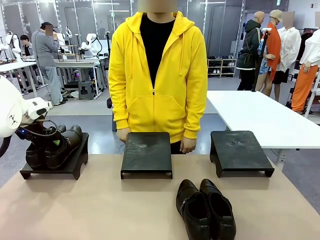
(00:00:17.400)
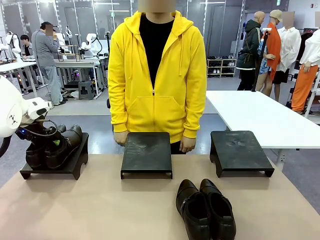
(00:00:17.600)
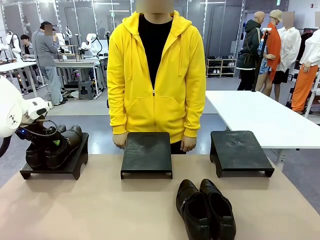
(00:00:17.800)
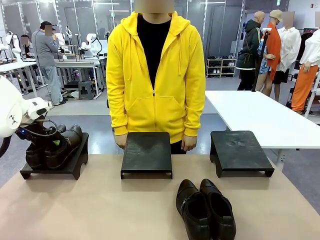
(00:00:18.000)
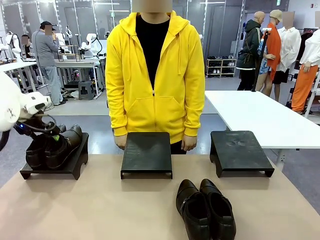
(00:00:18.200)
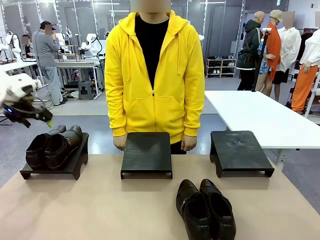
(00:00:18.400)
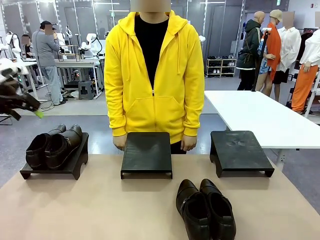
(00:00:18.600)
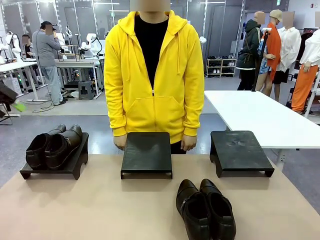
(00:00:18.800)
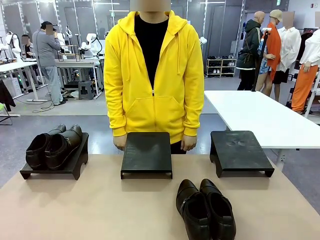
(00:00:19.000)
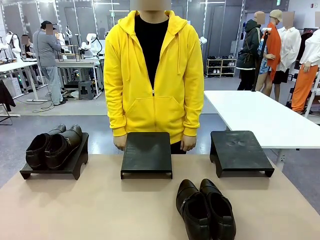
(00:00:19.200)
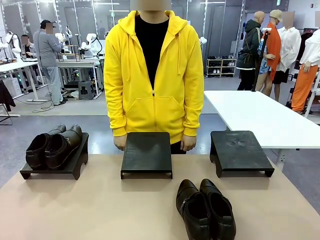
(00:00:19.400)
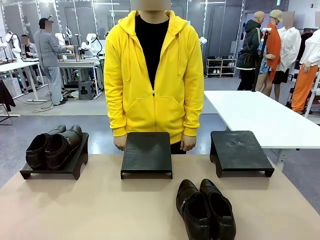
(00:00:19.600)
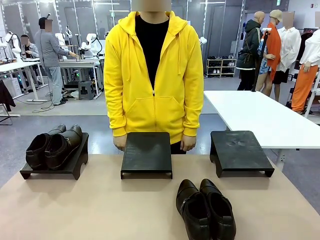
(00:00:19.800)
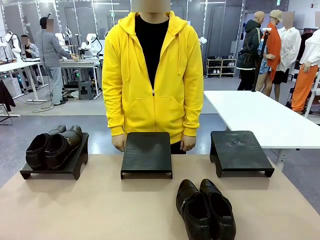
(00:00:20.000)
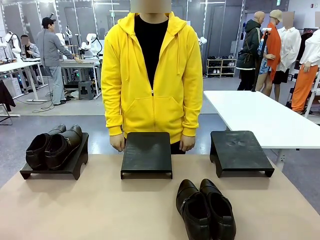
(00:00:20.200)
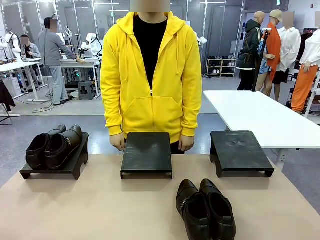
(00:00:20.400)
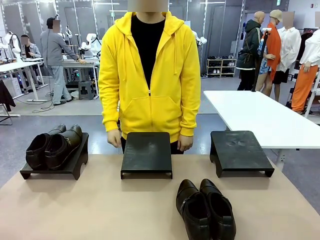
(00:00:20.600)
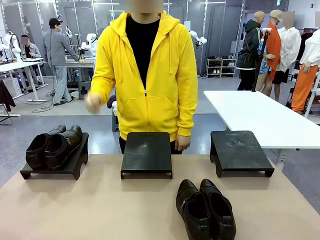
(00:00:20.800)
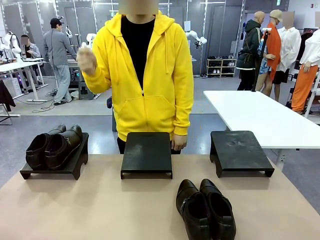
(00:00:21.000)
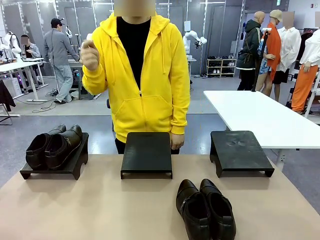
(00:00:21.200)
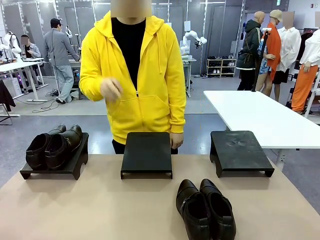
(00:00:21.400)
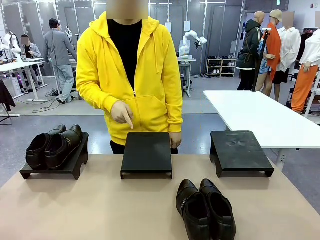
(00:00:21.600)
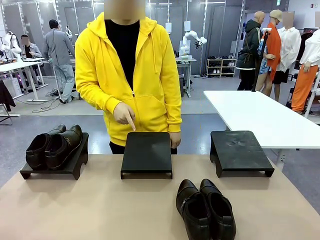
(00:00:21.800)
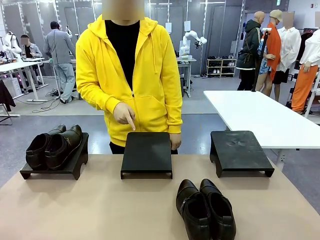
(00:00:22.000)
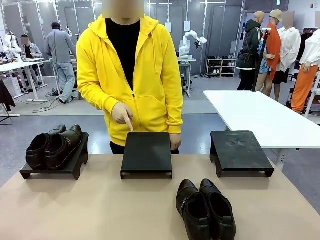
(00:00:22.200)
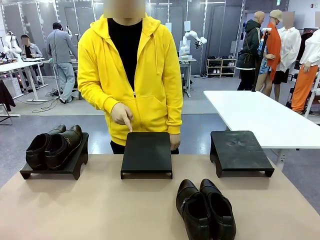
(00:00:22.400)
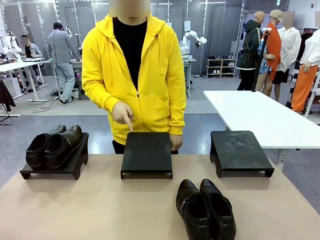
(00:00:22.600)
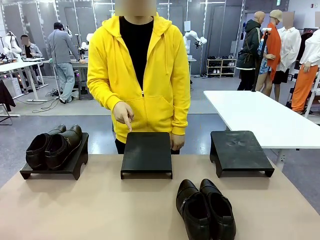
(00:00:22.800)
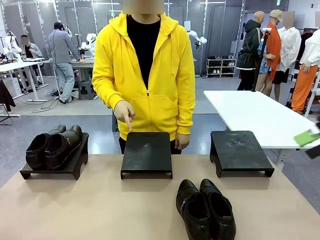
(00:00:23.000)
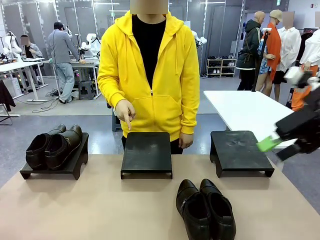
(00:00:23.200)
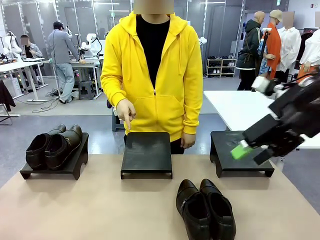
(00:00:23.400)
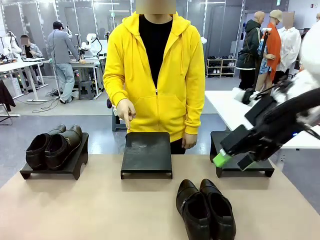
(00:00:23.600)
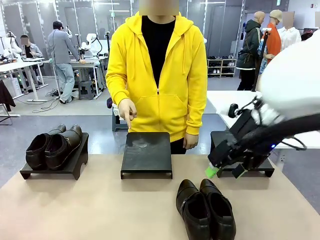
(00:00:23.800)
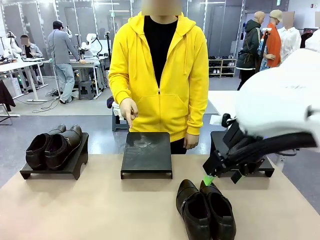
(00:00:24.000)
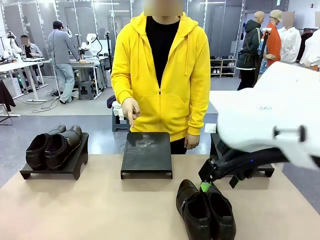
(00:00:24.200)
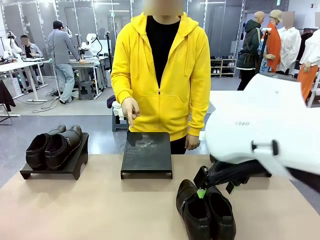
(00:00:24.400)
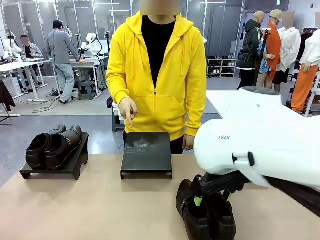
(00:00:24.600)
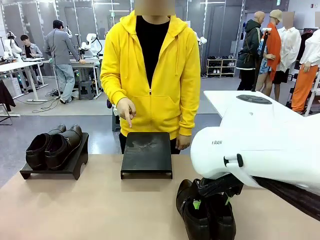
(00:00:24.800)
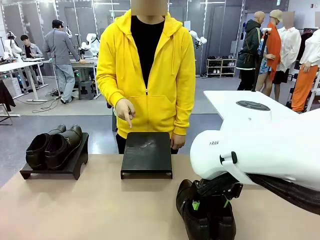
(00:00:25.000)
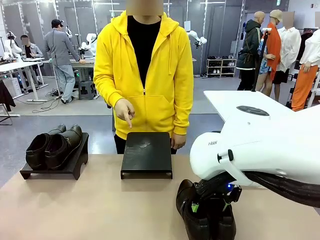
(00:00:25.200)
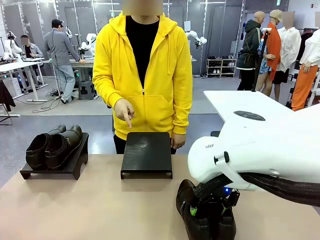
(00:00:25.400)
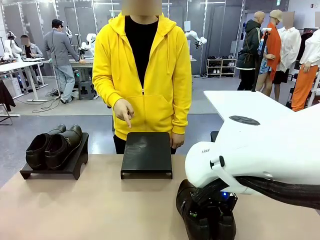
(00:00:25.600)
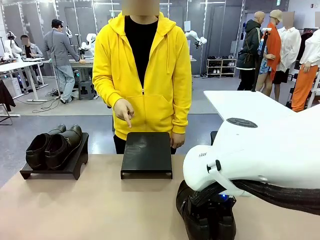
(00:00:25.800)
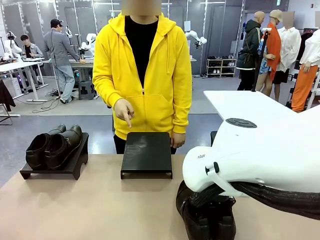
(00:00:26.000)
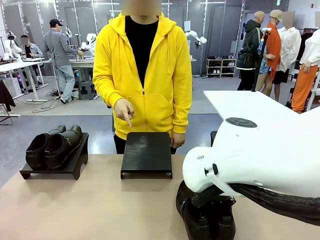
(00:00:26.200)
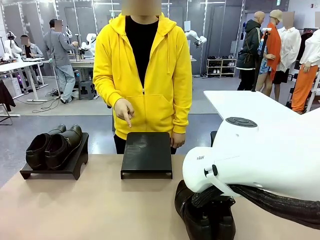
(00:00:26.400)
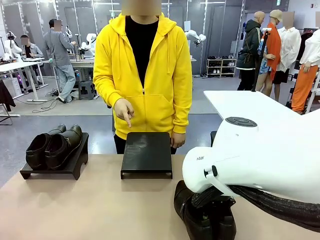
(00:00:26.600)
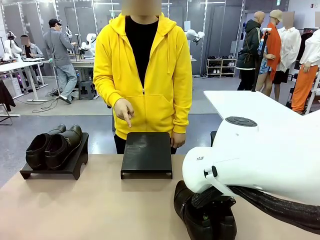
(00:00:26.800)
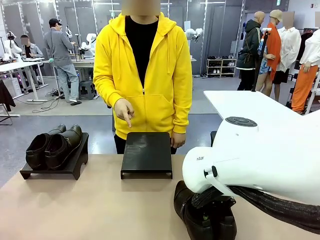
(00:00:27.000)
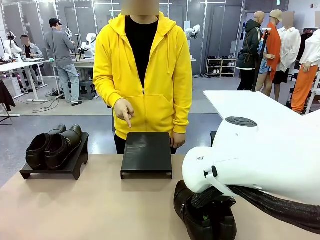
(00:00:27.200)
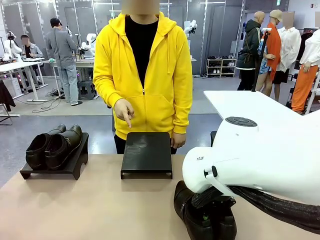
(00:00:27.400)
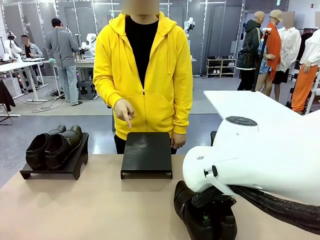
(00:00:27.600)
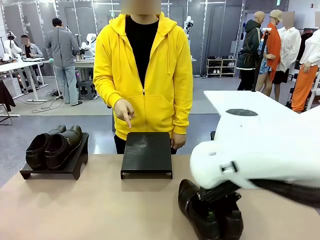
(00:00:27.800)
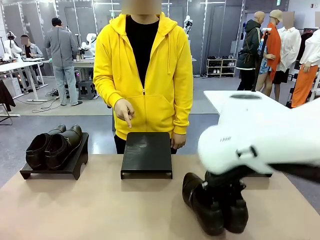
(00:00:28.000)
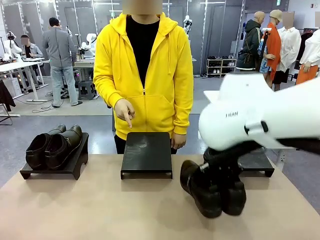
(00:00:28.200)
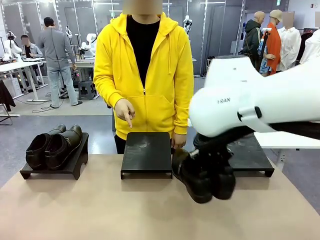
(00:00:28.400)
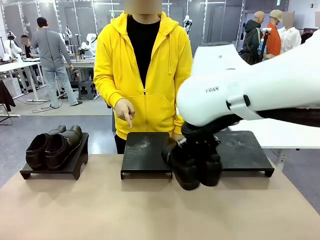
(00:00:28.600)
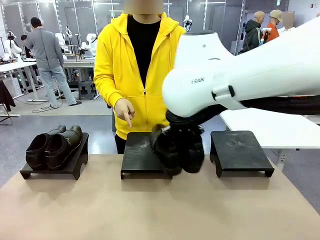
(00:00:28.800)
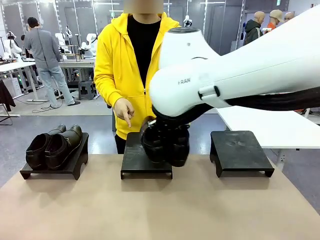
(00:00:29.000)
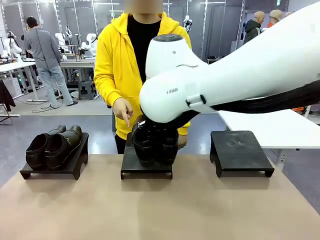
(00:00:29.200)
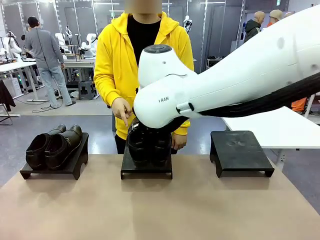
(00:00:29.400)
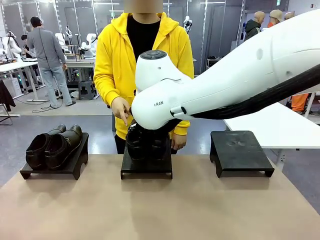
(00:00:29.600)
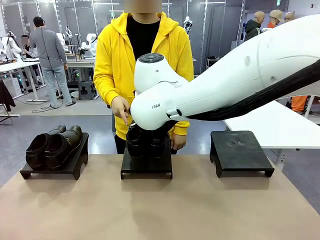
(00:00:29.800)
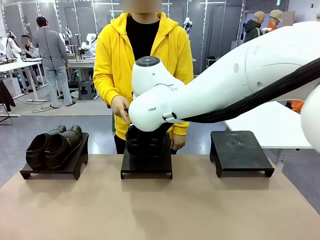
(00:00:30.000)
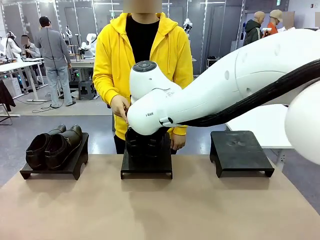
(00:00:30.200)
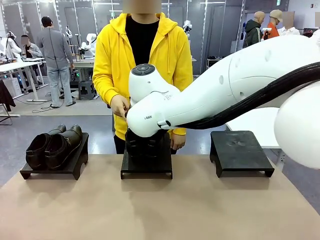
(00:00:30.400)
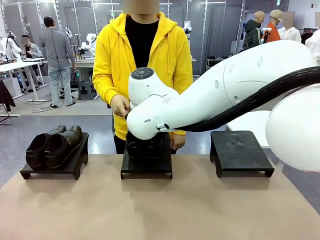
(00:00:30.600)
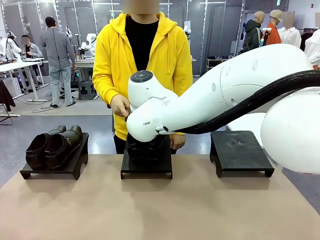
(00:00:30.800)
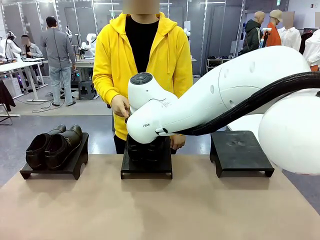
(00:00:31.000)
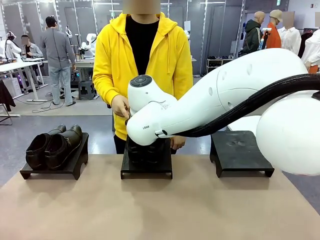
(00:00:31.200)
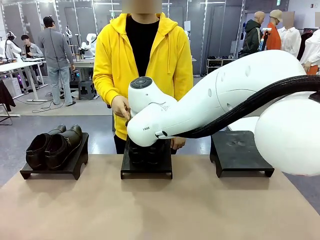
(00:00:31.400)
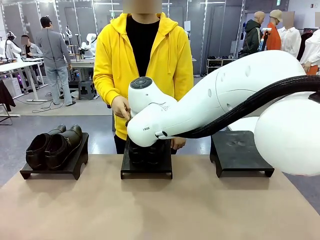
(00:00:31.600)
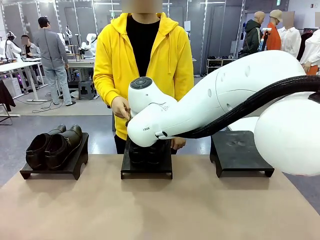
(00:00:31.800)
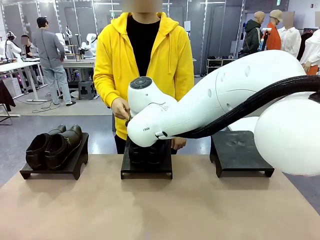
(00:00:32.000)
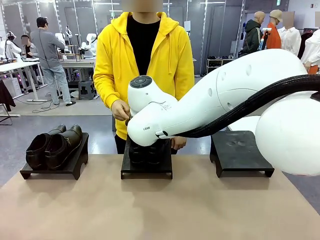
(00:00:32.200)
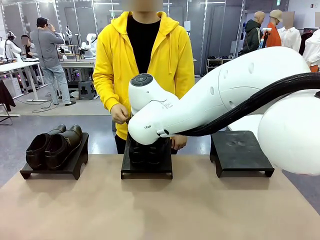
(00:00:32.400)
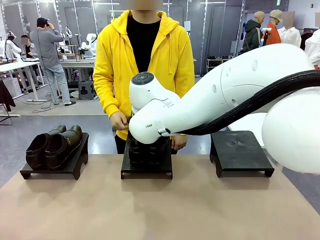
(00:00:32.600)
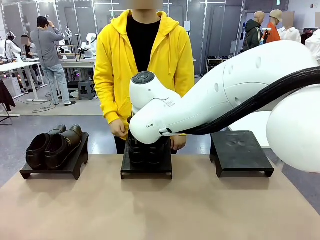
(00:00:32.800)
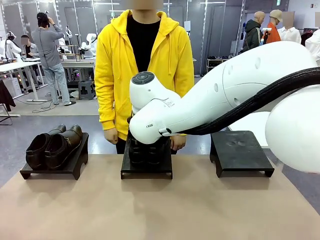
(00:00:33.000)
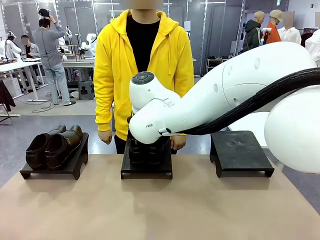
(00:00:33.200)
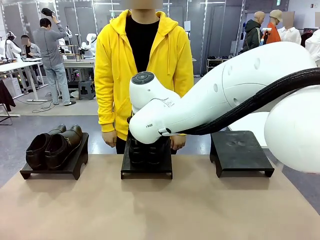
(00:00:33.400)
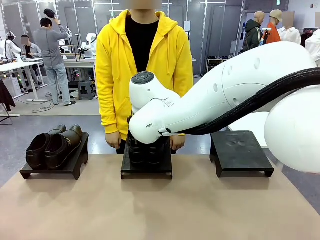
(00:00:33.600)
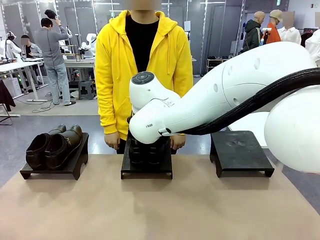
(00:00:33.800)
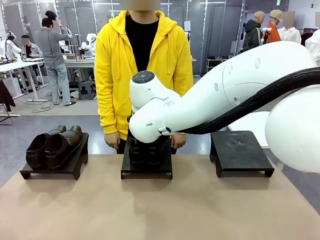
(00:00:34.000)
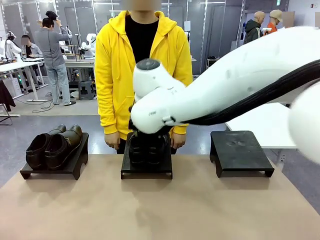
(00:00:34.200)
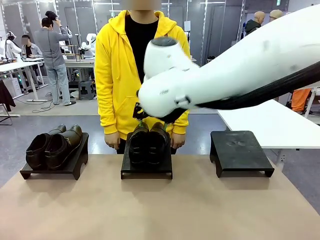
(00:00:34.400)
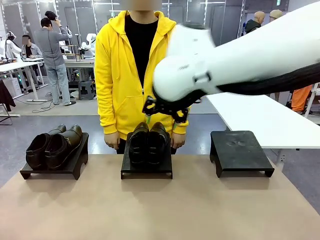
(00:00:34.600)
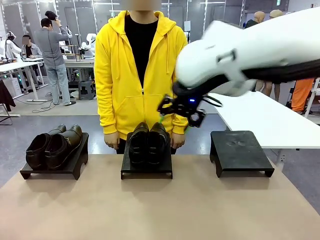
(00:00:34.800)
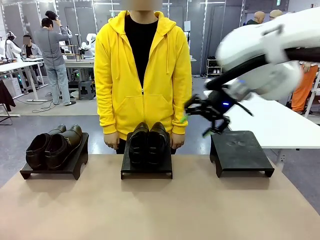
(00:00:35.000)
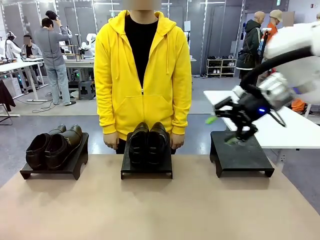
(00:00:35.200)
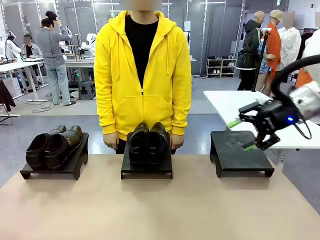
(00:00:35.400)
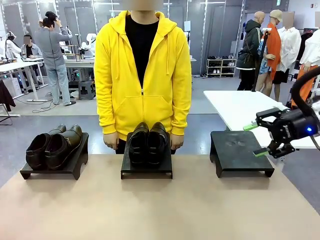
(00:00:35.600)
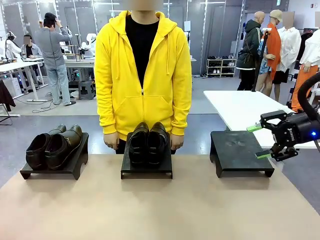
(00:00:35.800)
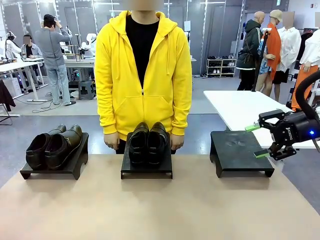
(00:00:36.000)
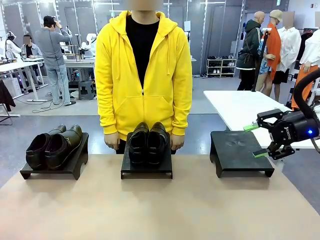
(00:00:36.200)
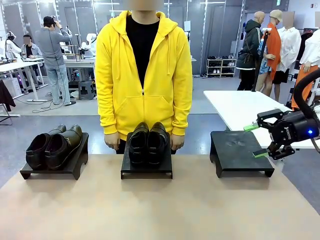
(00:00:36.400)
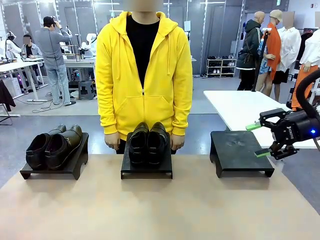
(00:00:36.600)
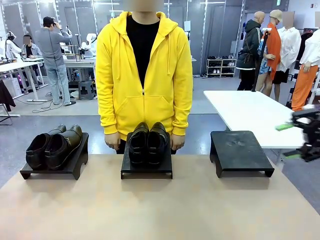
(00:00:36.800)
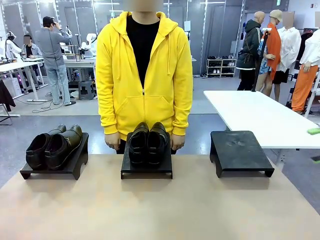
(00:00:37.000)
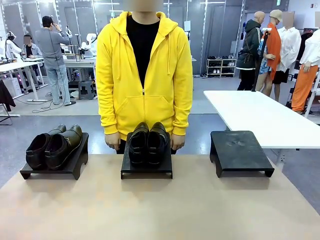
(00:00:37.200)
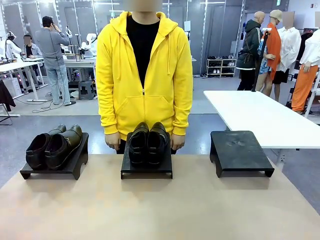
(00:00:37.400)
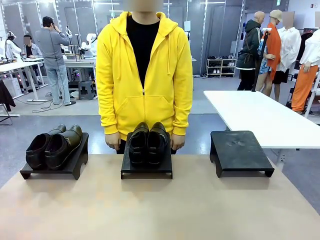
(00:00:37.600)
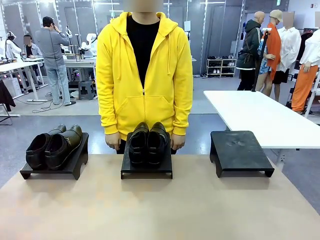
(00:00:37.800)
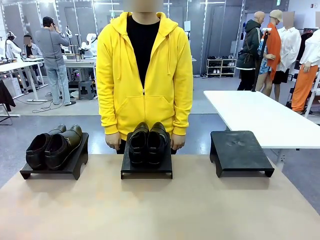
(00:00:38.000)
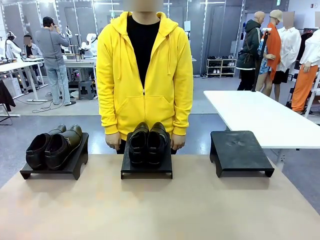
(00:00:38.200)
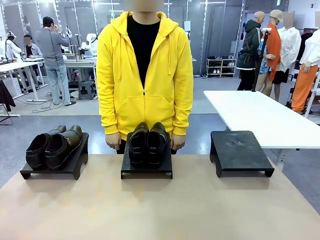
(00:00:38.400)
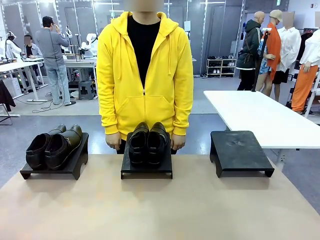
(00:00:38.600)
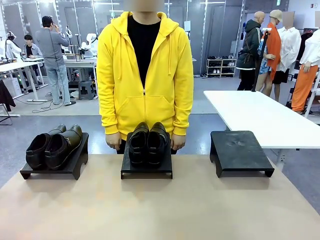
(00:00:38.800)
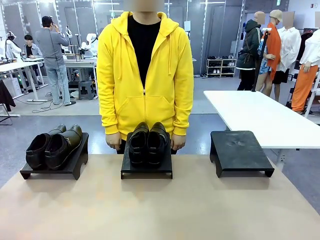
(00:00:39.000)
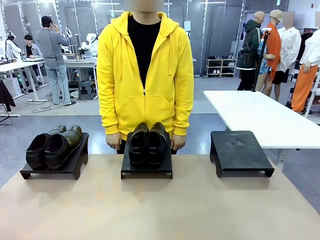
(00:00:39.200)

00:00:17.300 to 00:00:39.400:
Task: Place the shoes on the stand as instructed by the person.
Robot: Pick up another pair of Shoes and place it on the Shoes Stand indicated by the person.
Person: Point to one Shoes Stand.
